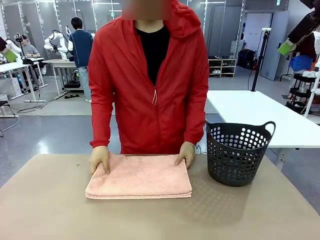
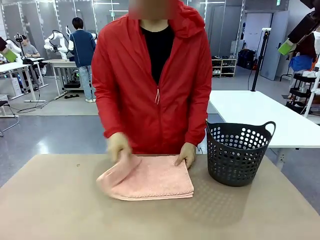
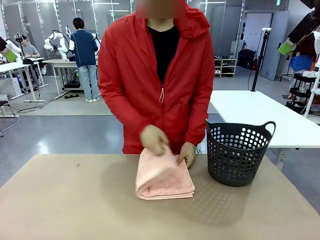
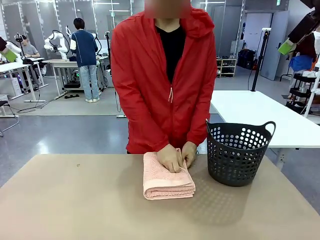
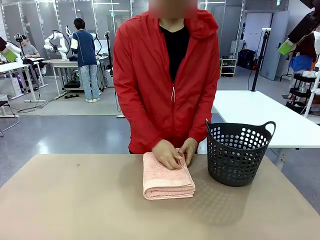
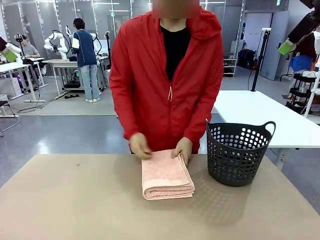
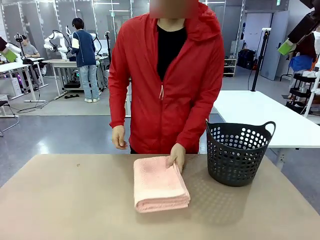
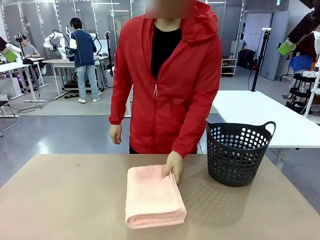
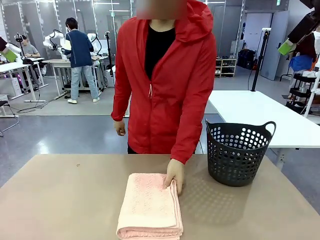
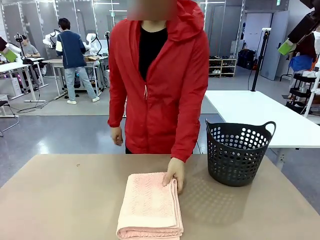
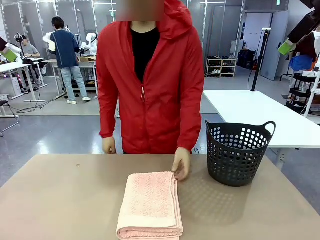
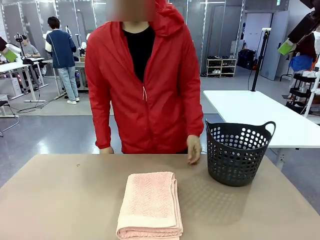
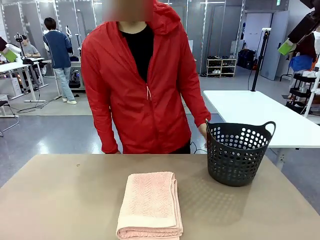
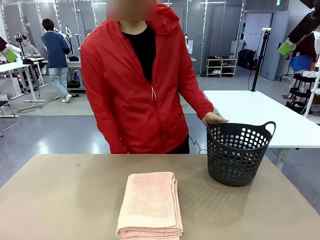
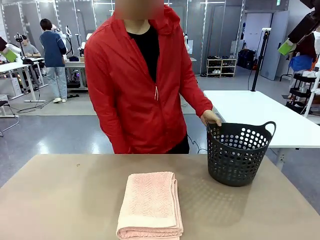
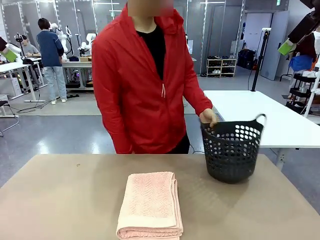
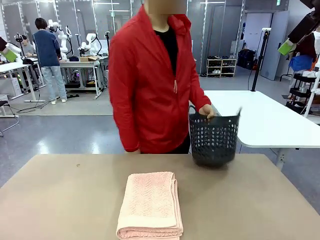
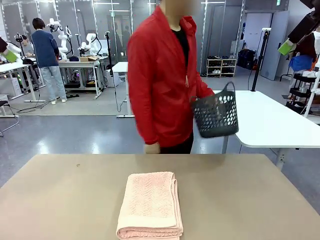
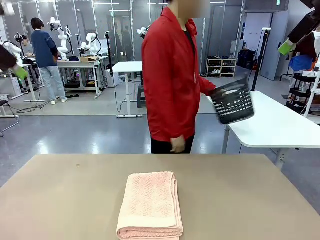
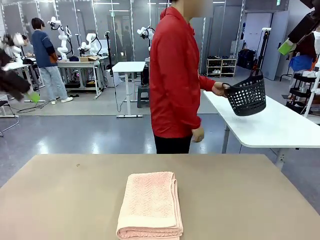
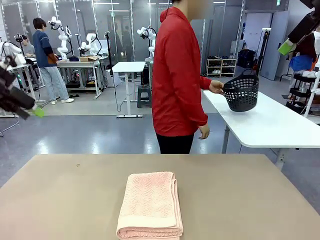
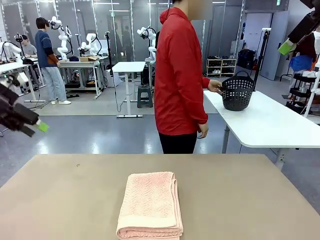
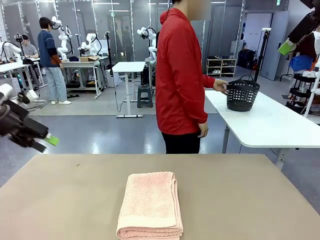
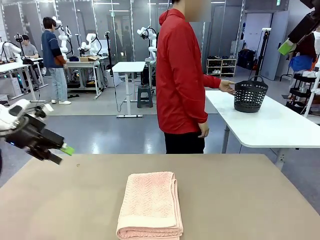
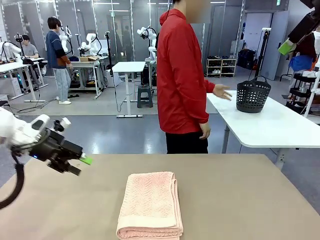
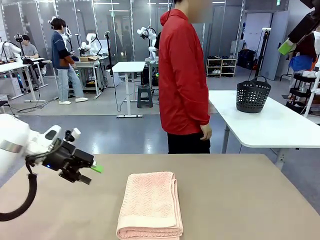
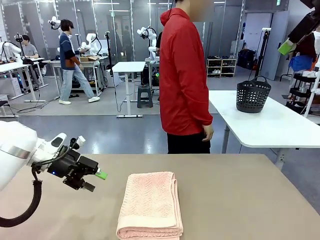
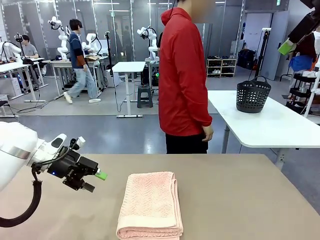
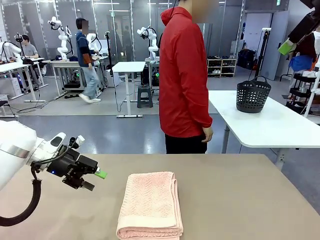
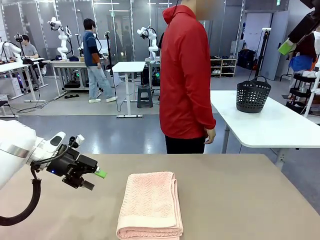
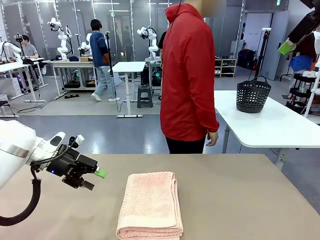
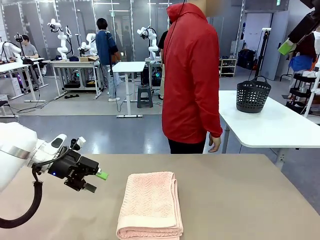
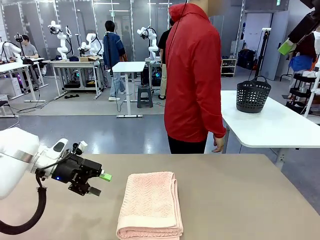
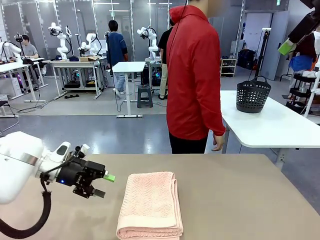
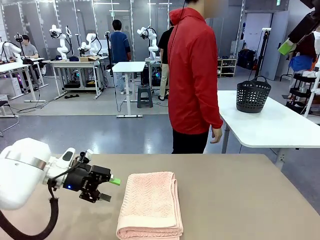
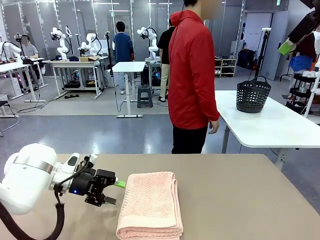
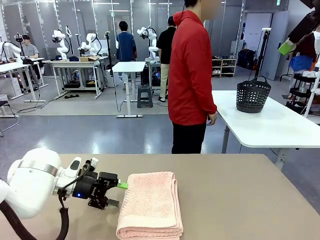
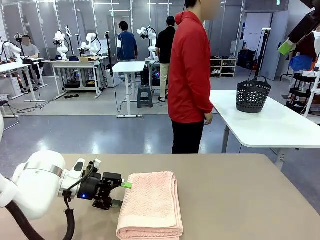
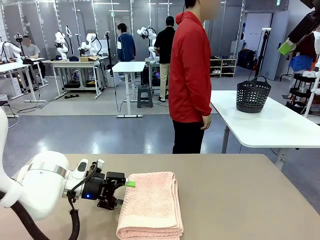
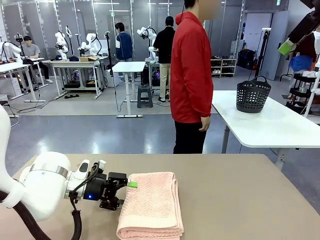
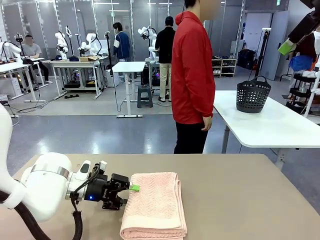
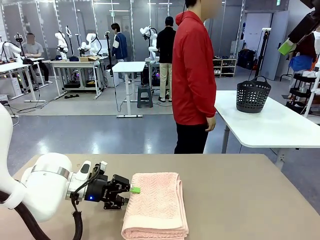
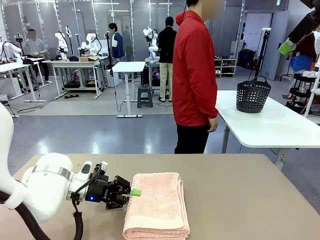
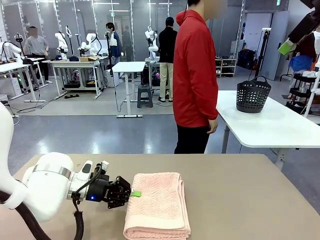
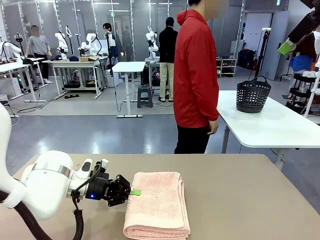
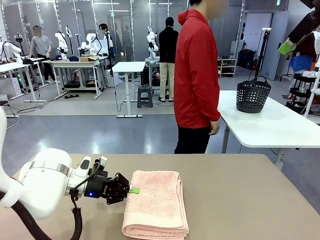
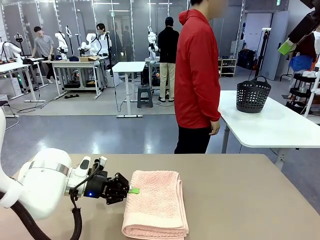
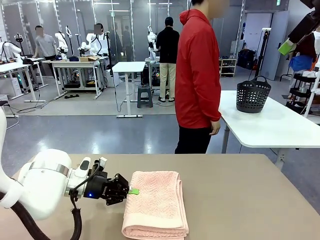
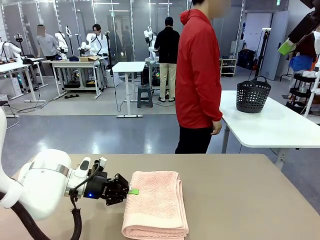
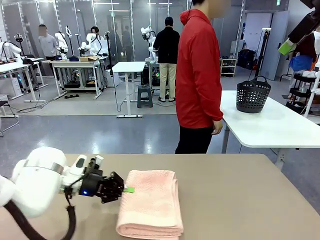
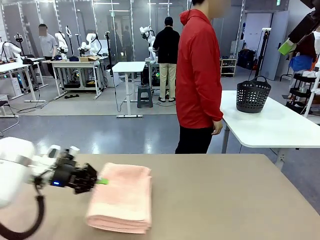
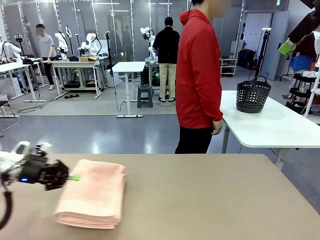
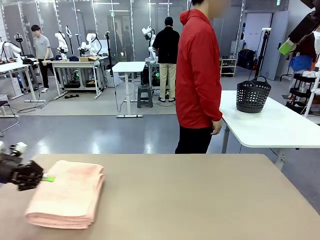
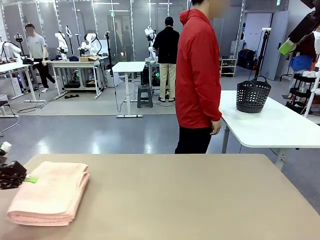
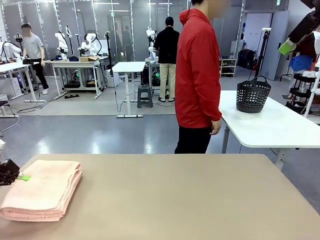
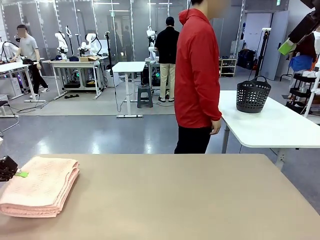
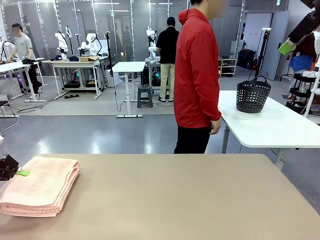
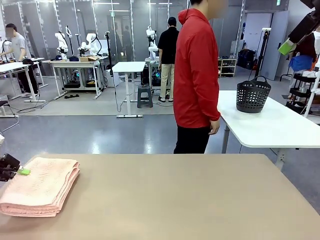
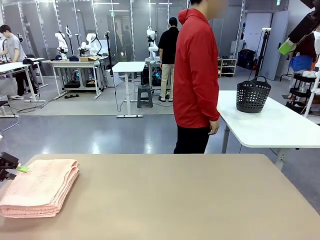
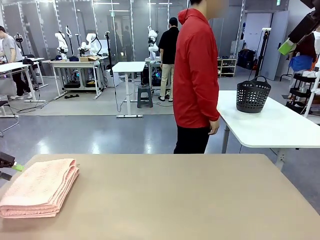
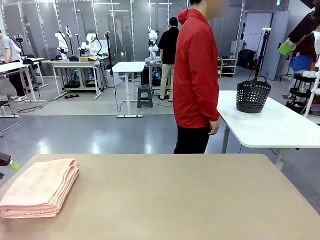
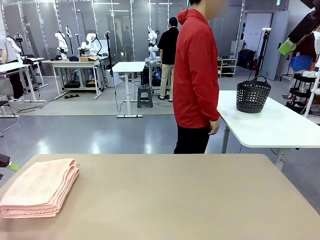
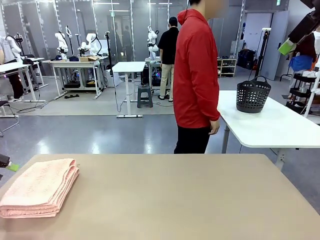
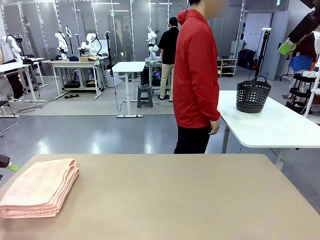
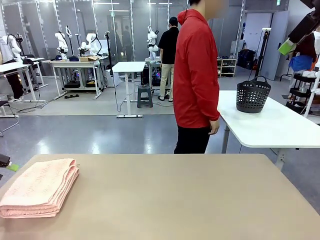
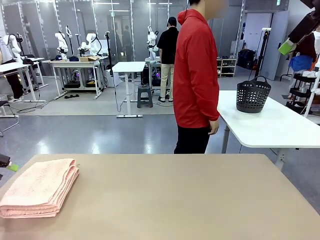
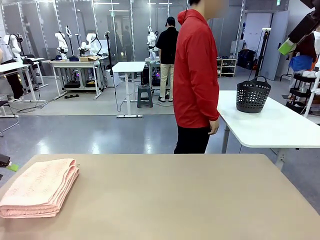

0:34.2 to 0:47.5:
Task: Fold the towel.
Robot: Pick up the 100 cm Hotel Towel and place it on the left side of the table.
Person: Pick up the laundry basket and place it at the center of the human table.
